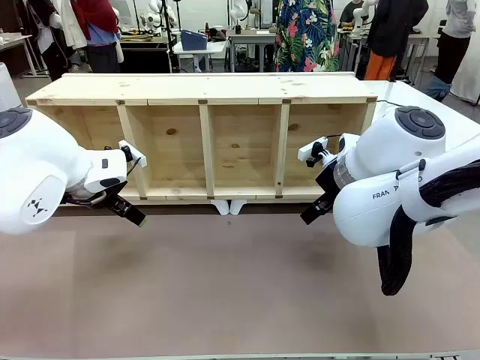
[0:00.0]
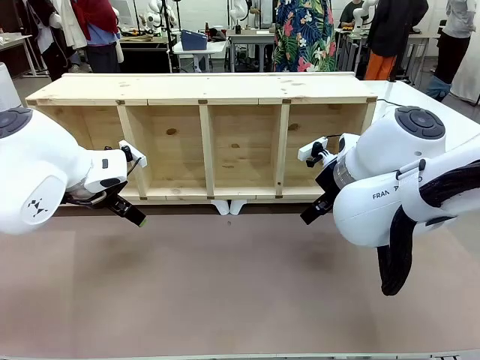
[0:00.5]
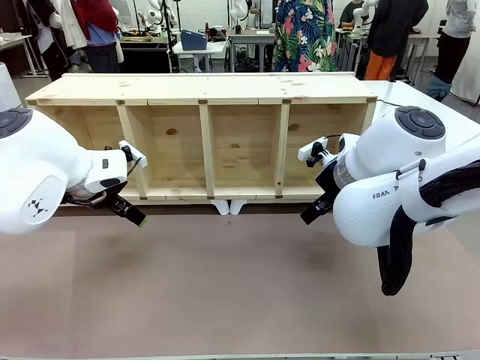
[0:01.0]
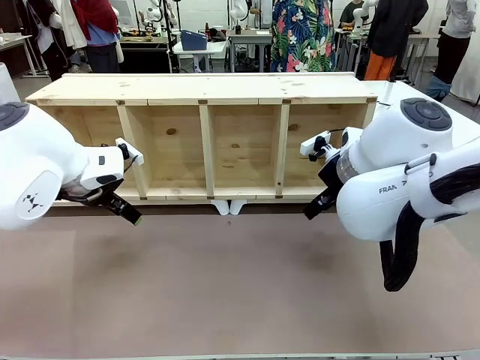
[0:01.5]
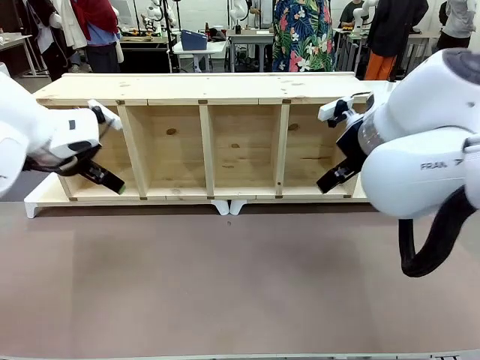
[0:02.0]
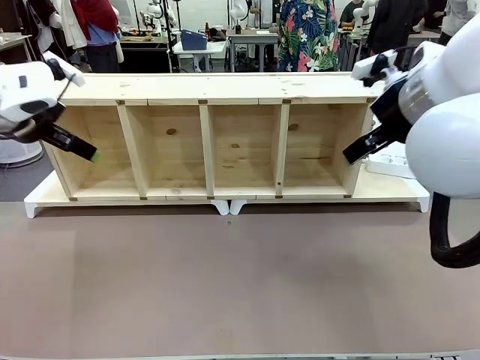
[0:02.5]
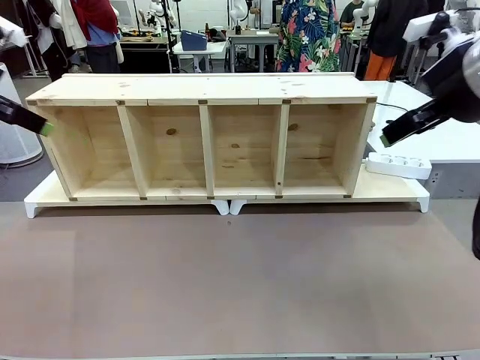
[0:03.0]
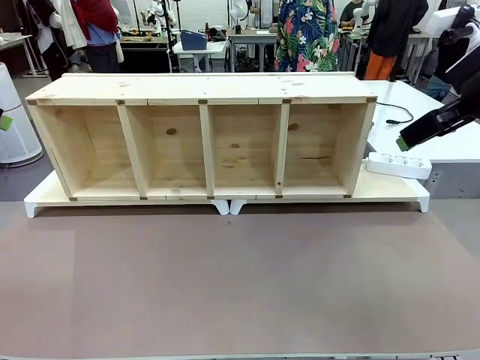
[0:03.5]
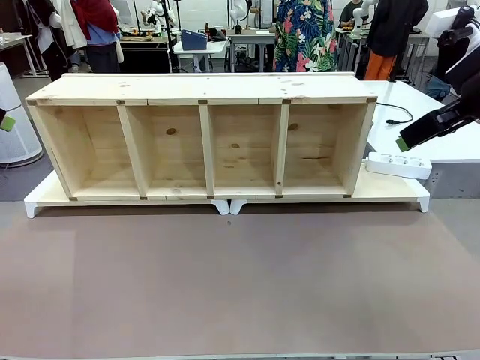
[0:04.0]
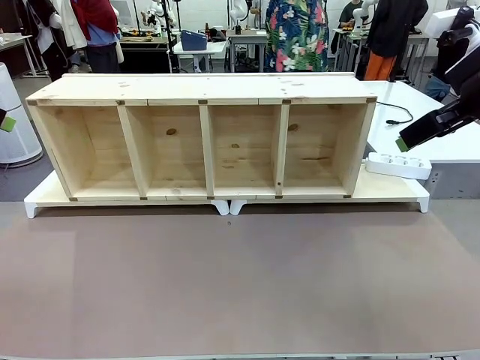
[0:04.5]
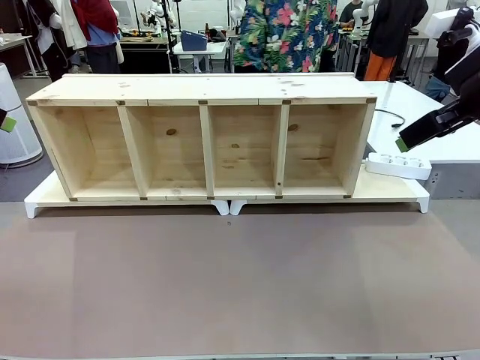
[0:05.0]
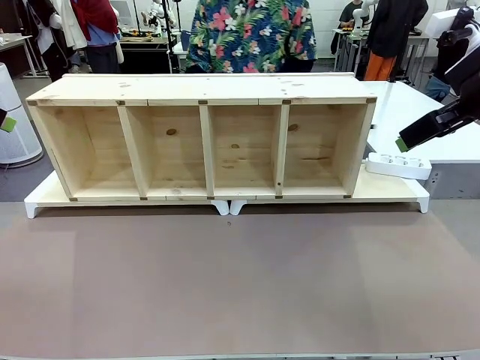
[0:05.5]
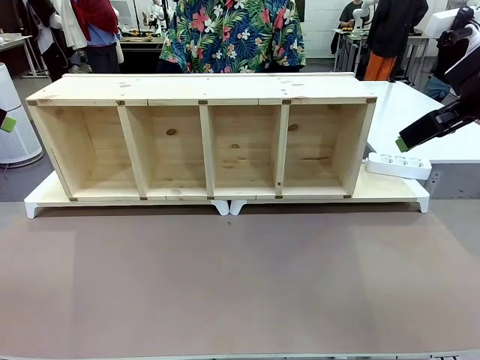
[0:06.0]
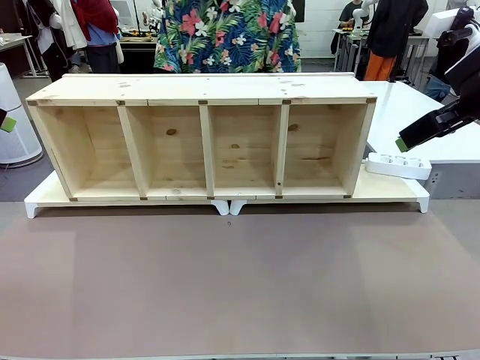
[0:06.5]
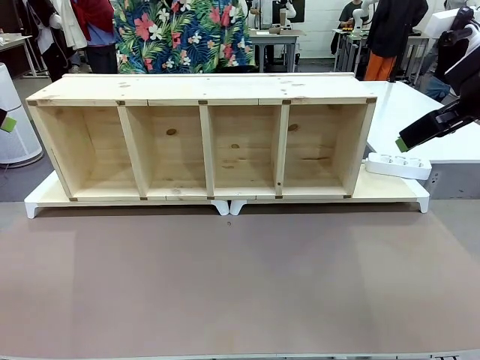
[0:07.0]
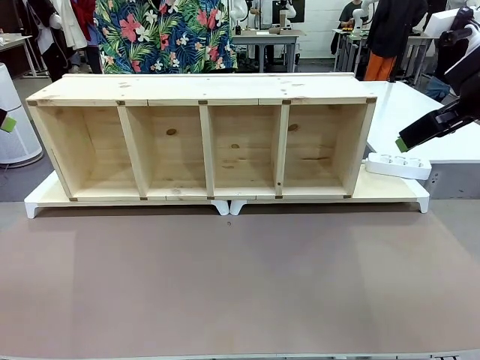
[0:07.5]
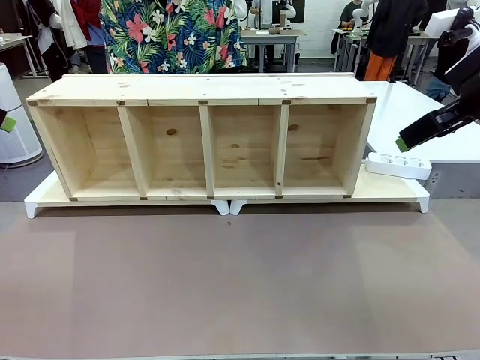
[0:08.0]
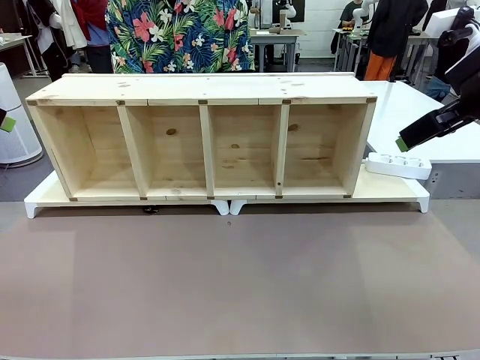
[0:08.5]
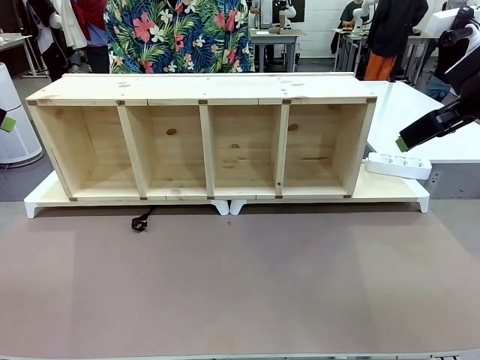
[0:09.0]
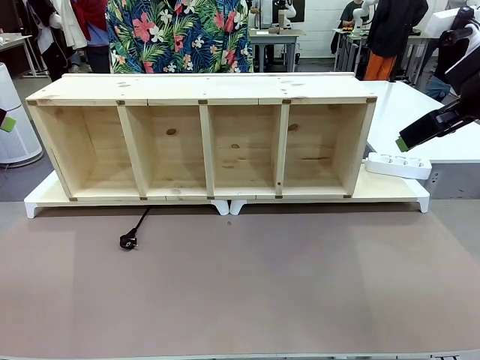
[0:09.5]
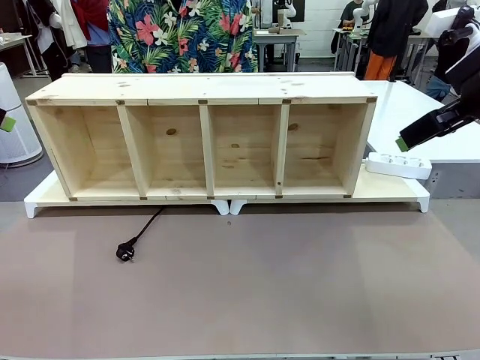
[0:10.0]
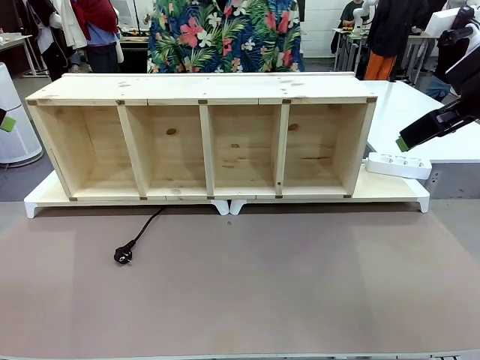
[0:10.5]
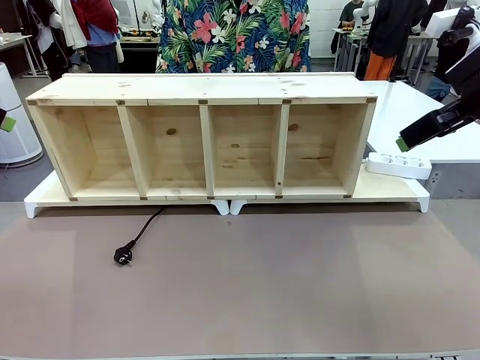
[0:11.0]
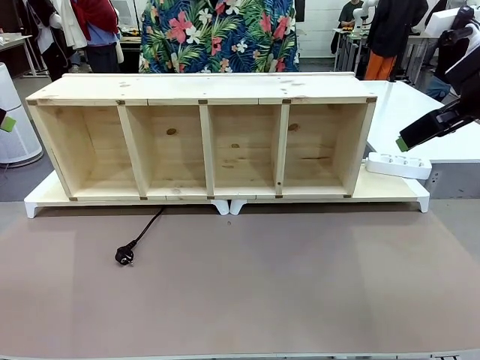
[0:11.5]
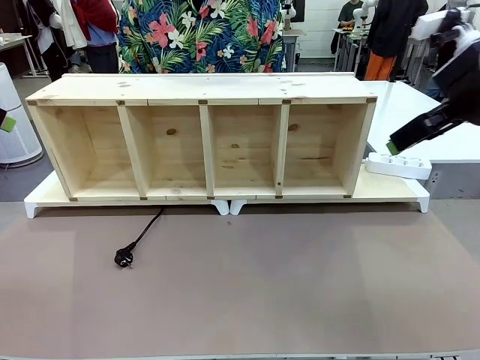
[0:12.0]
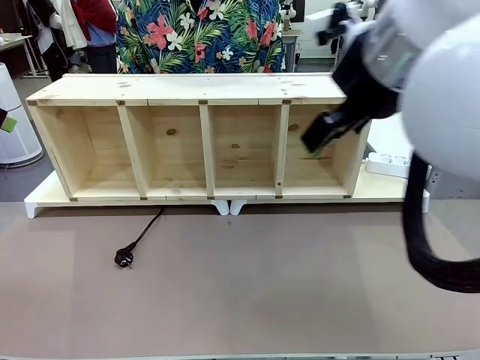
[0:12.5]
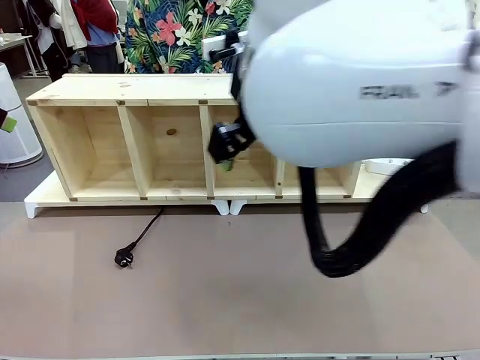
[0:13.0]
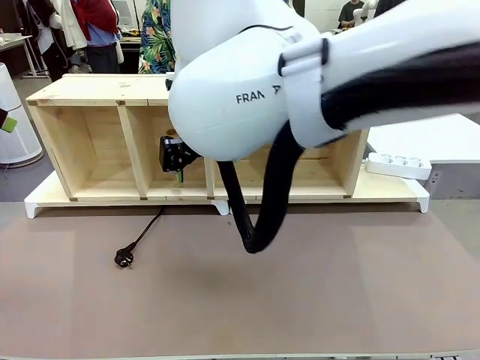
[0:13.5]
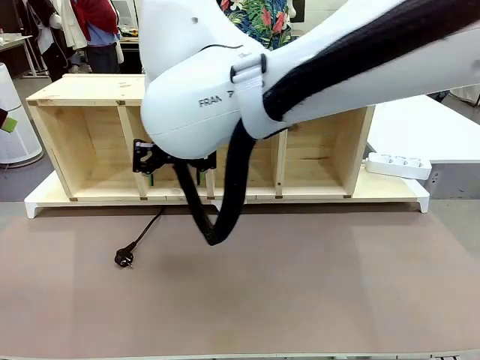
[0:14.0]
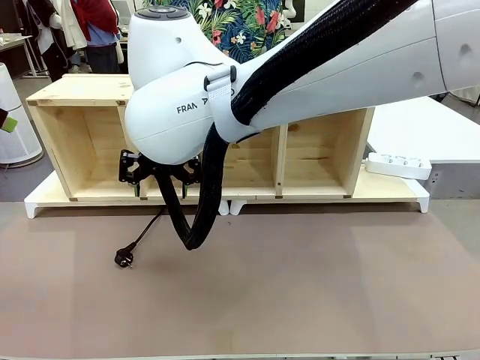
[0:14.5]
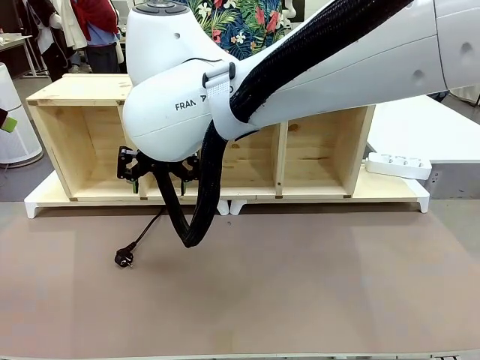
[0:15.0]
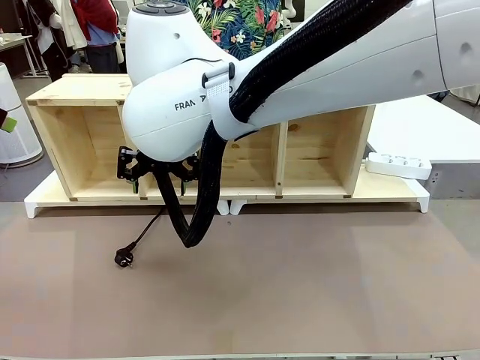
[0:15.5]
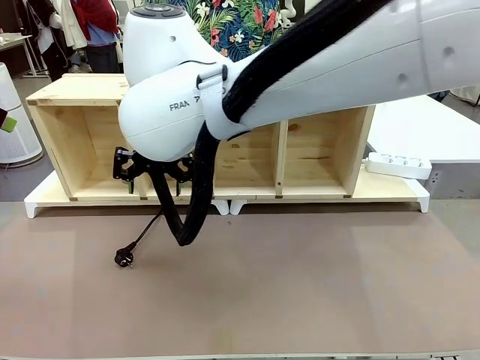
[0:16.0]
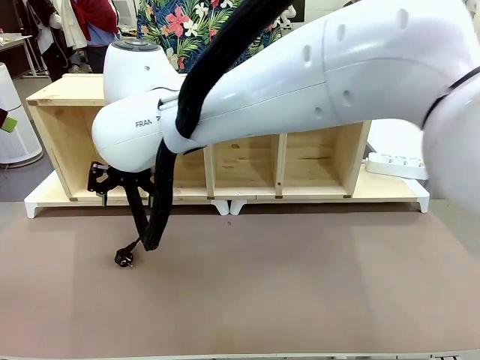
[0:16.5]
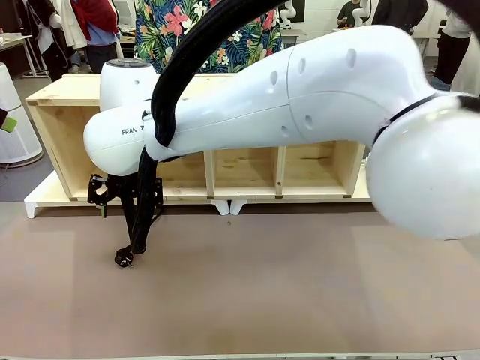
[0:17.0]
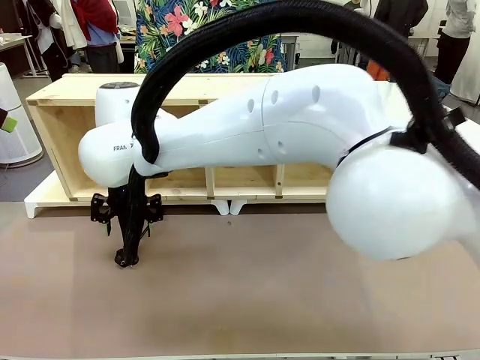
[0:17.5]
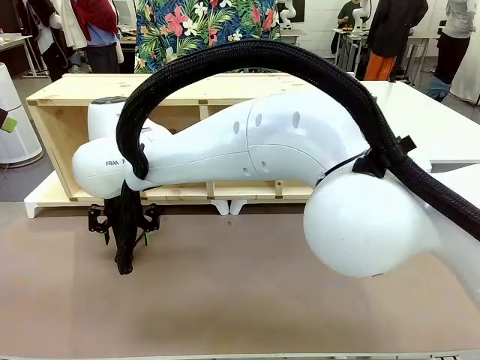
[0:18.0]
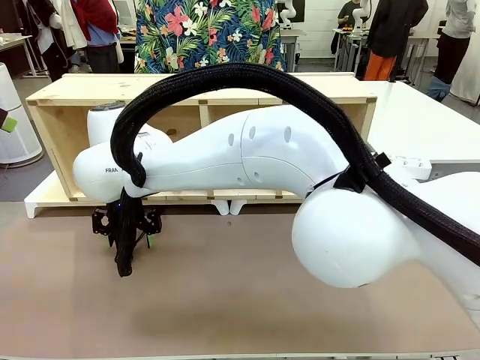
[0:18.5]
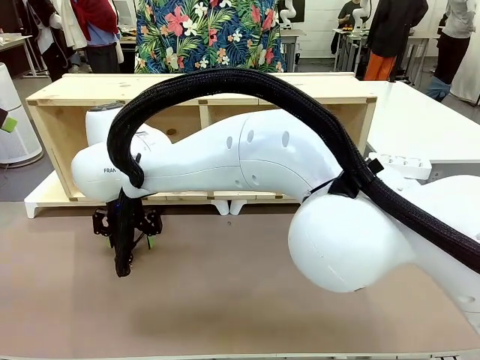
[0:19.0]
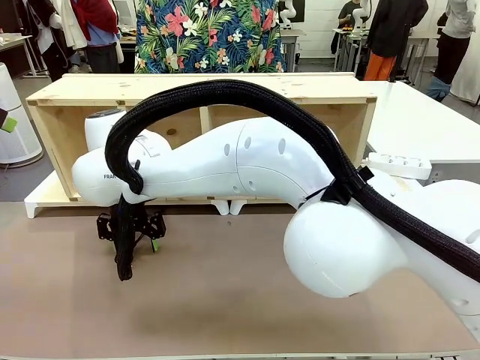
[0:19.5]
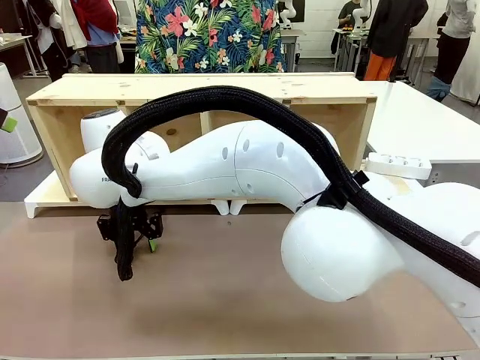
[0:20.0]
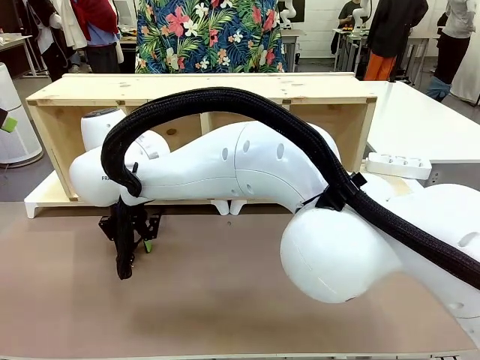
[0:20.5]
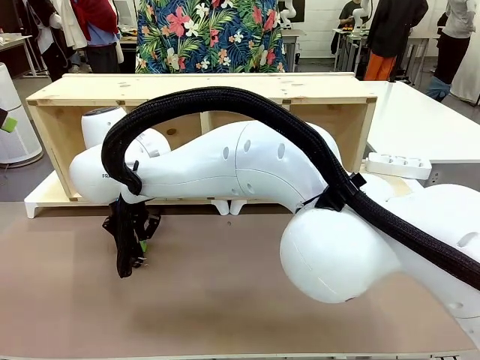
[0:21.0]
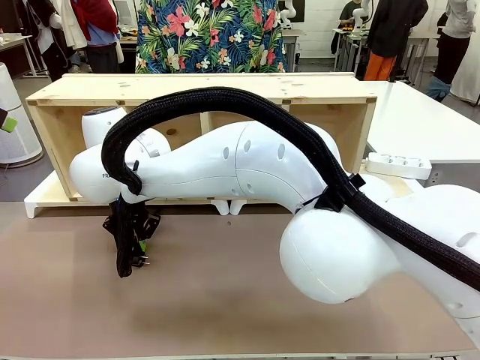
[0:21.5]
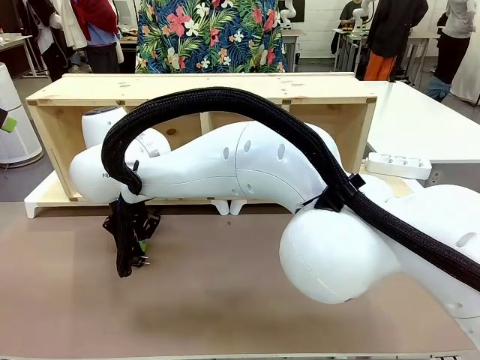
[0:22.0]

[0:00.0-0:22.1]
Task: Perform cable management.
Robot: When the cord part of the Power Cable appears at the lower middle area of the table and stops, grasp the cord part of the Power Cable.
Person: Pass the Power Cable under the Serving Table.
